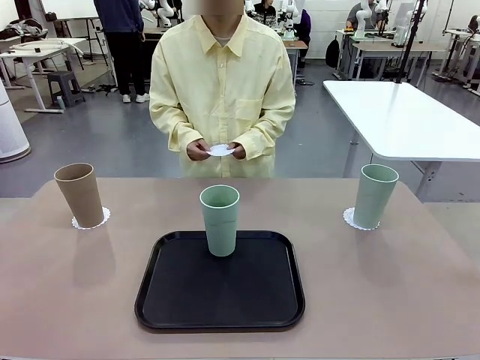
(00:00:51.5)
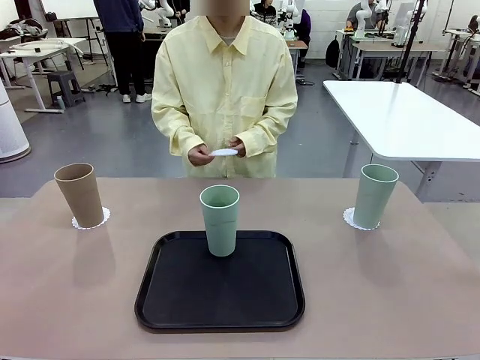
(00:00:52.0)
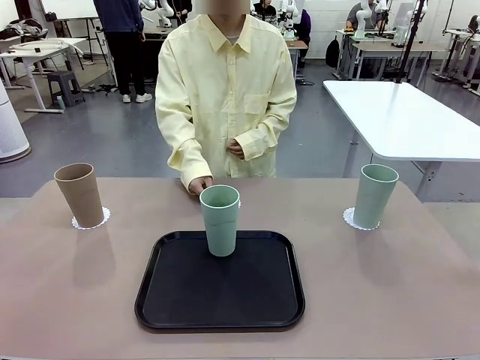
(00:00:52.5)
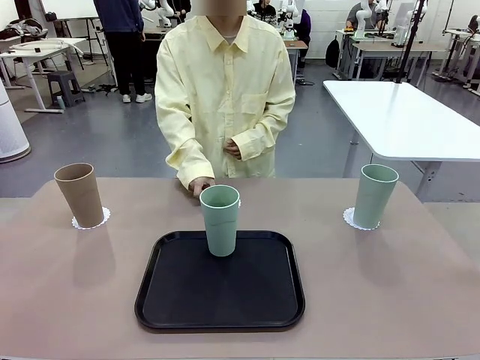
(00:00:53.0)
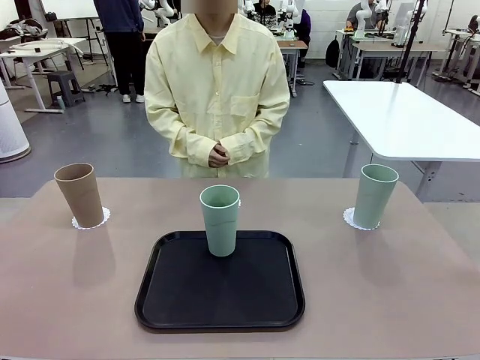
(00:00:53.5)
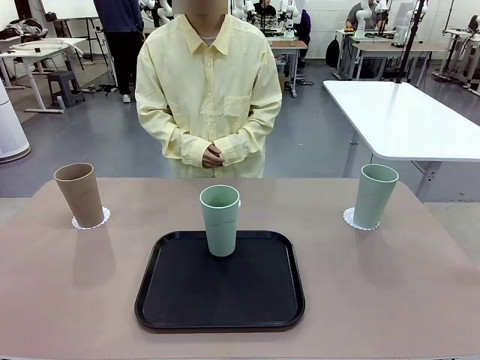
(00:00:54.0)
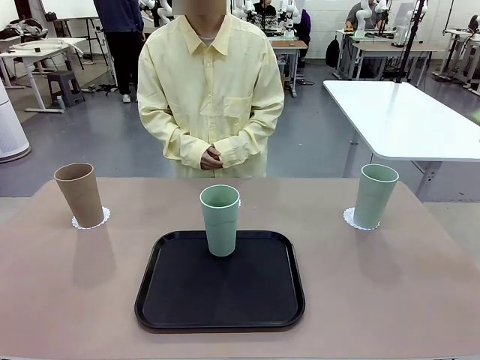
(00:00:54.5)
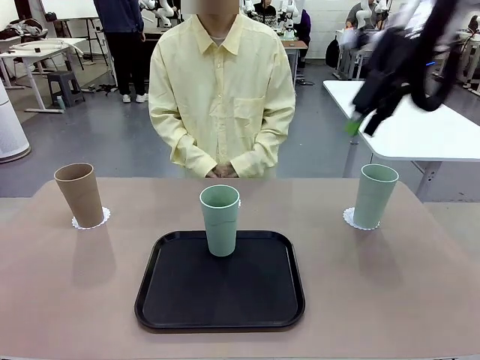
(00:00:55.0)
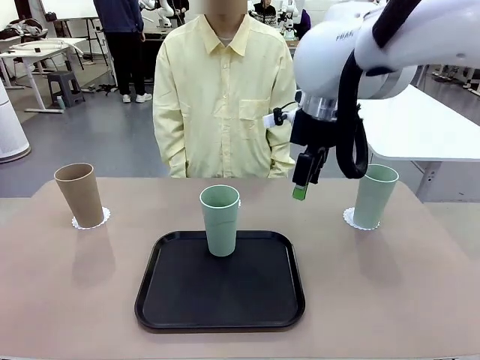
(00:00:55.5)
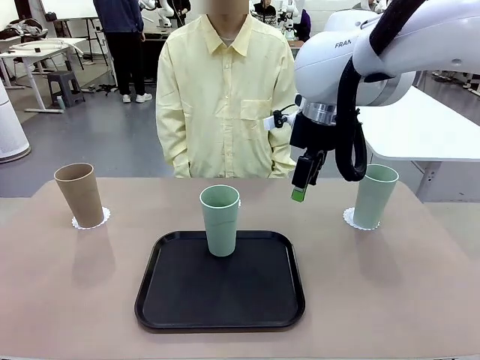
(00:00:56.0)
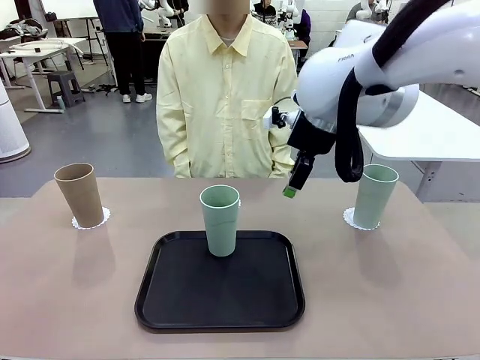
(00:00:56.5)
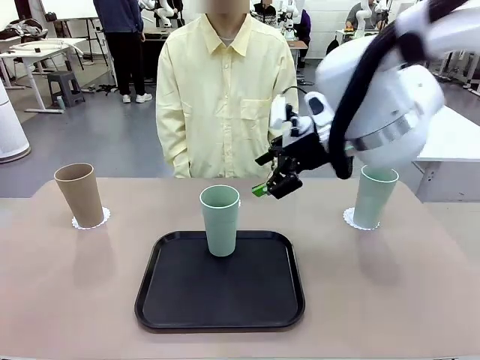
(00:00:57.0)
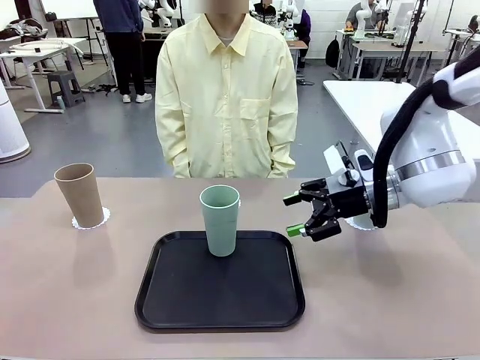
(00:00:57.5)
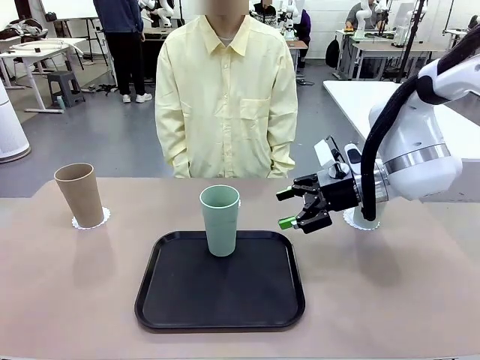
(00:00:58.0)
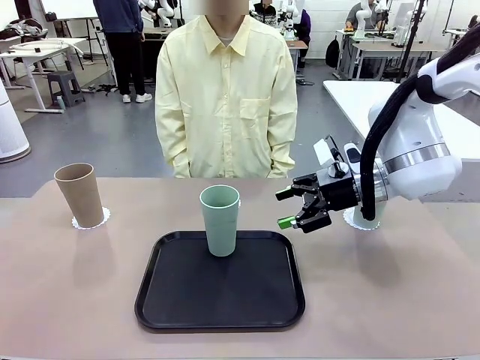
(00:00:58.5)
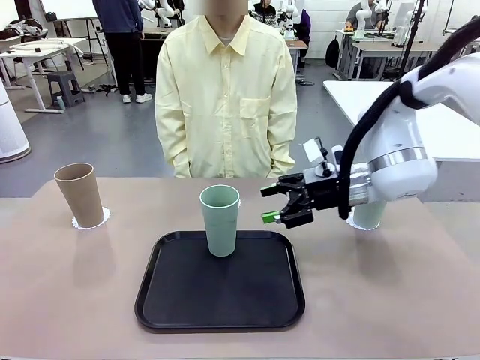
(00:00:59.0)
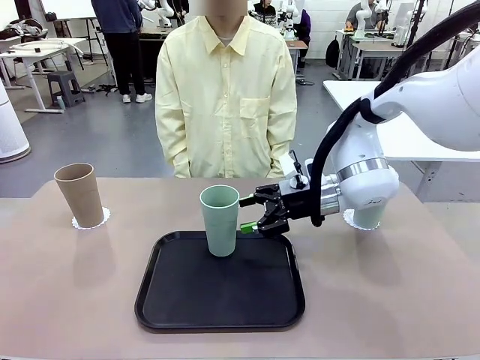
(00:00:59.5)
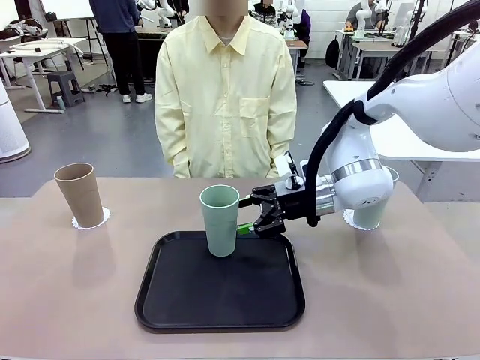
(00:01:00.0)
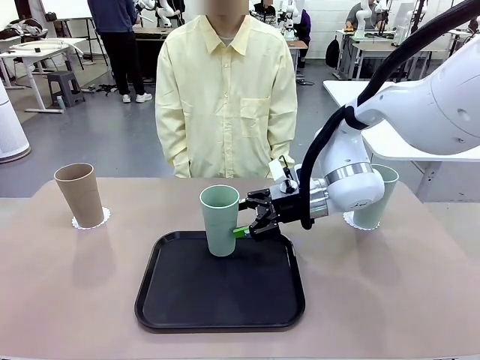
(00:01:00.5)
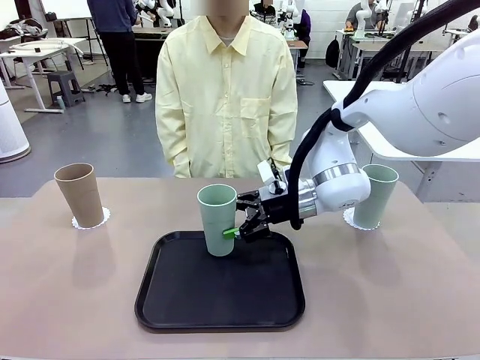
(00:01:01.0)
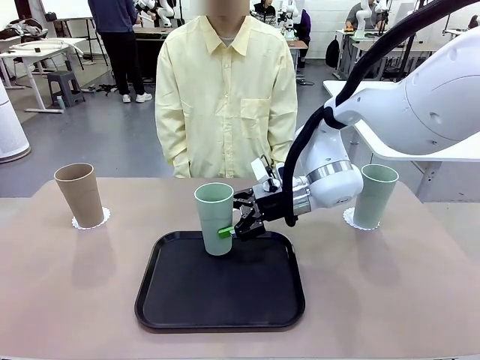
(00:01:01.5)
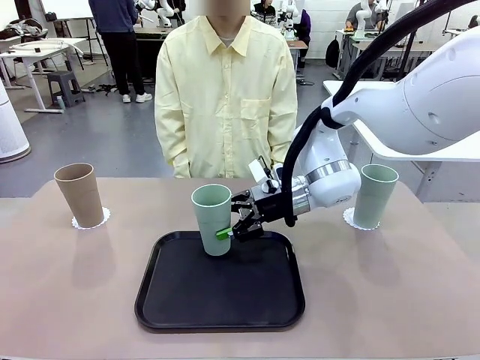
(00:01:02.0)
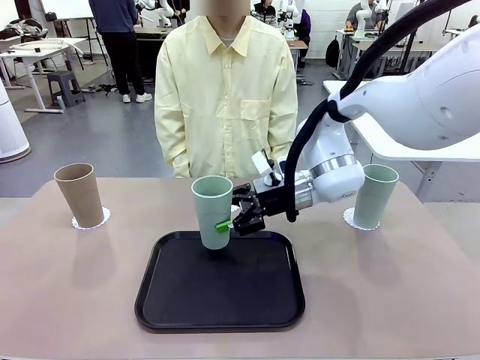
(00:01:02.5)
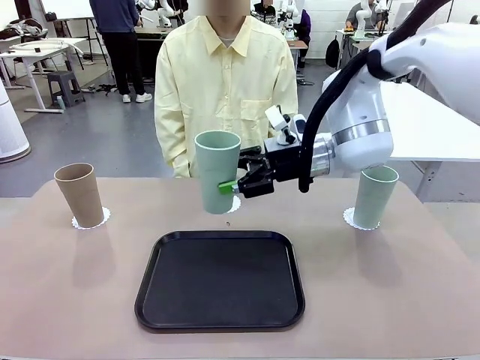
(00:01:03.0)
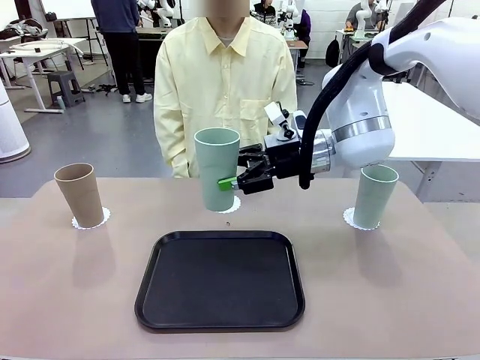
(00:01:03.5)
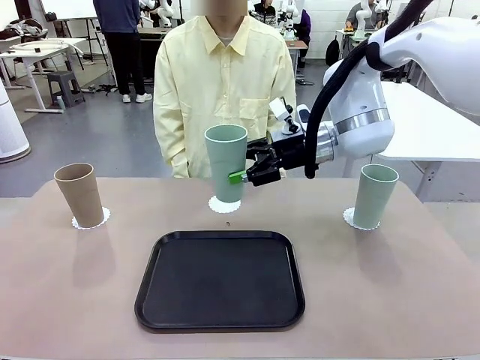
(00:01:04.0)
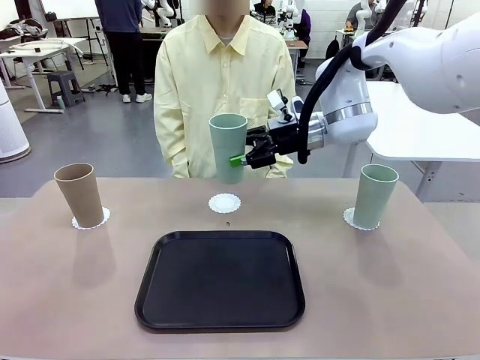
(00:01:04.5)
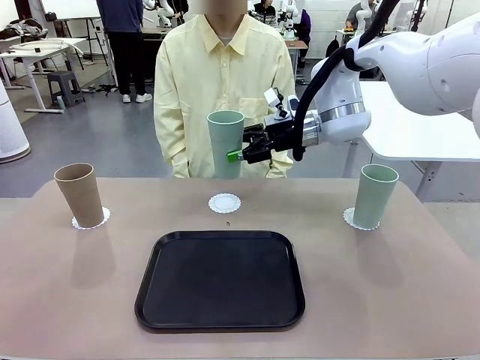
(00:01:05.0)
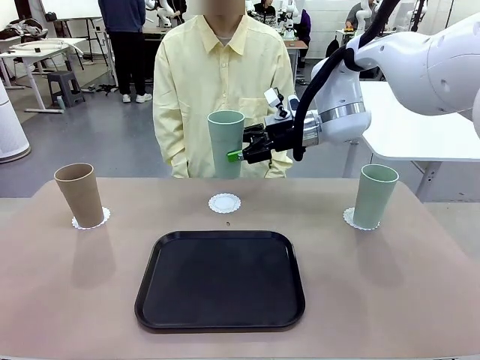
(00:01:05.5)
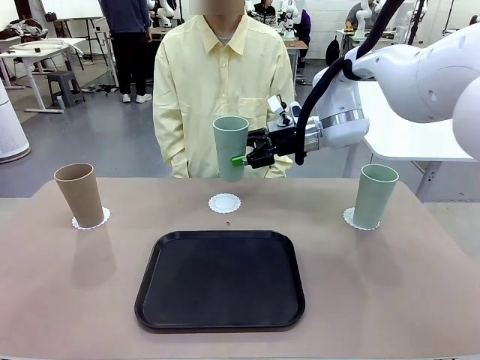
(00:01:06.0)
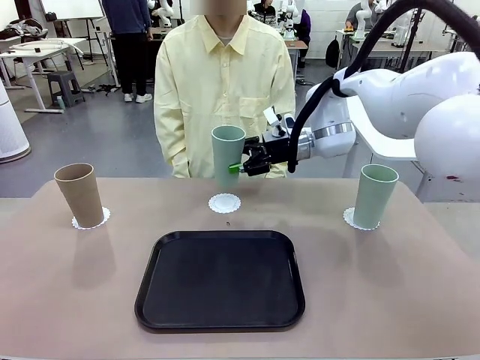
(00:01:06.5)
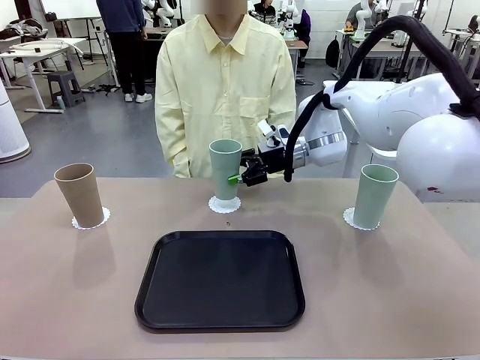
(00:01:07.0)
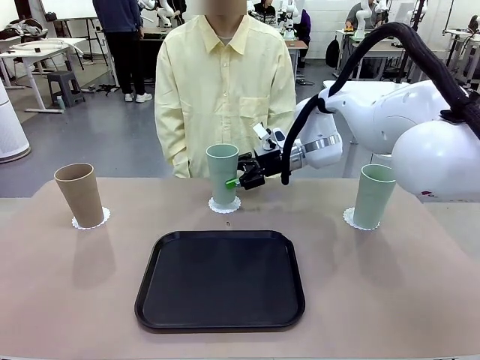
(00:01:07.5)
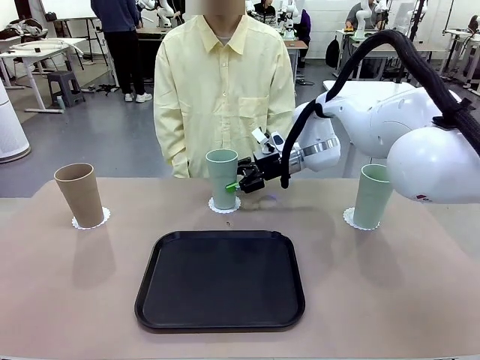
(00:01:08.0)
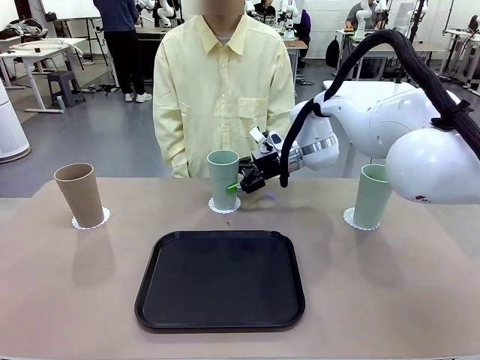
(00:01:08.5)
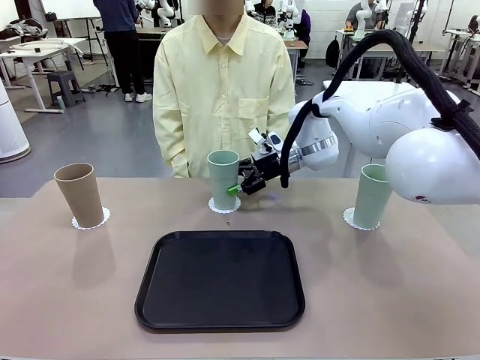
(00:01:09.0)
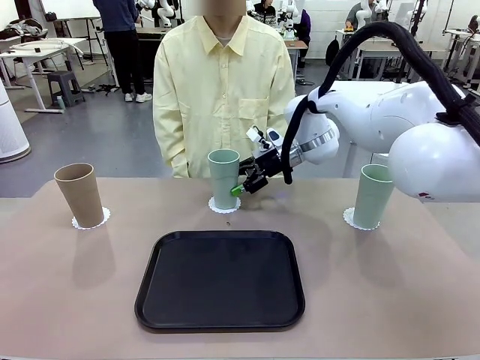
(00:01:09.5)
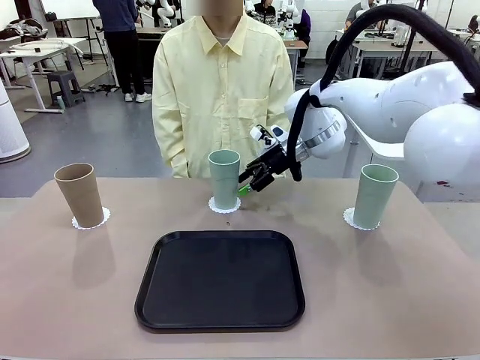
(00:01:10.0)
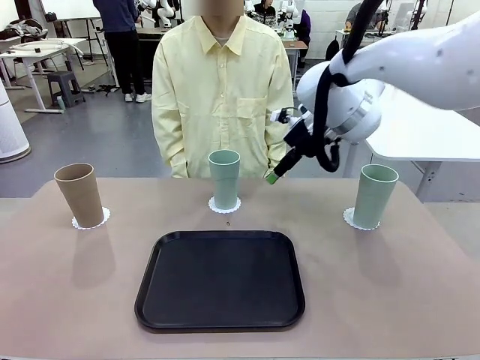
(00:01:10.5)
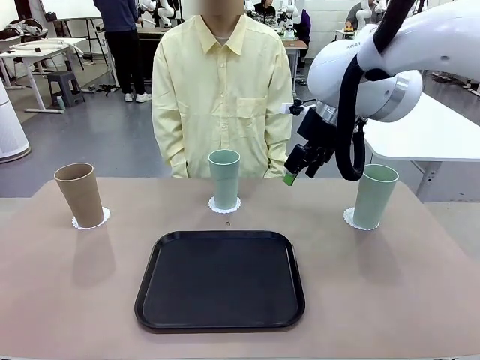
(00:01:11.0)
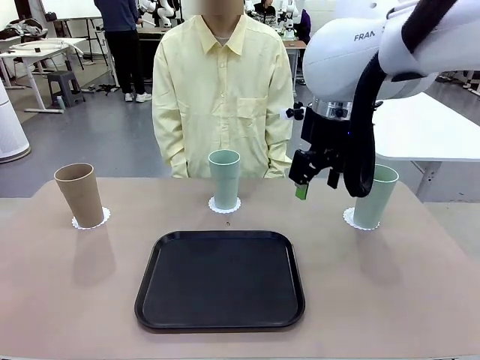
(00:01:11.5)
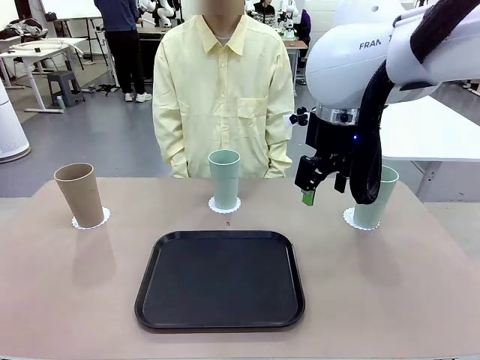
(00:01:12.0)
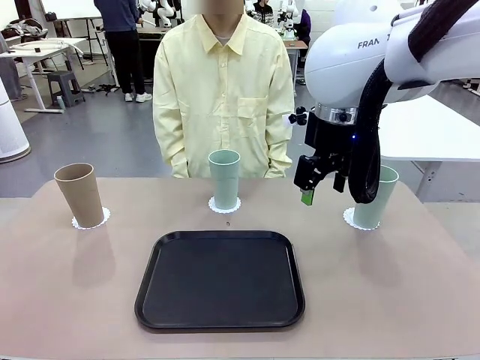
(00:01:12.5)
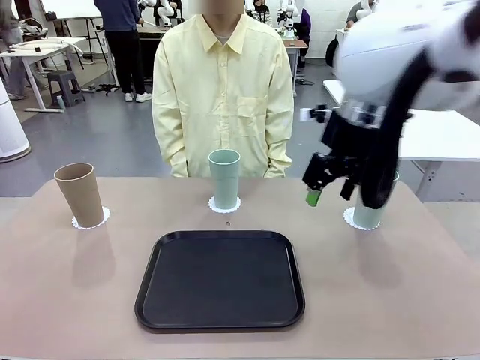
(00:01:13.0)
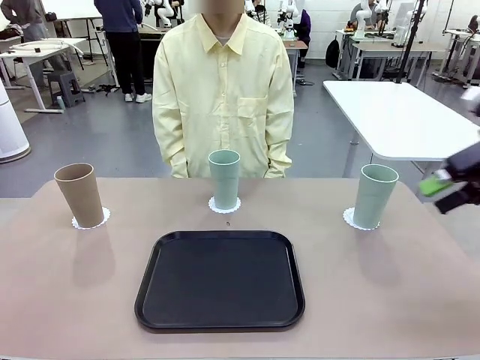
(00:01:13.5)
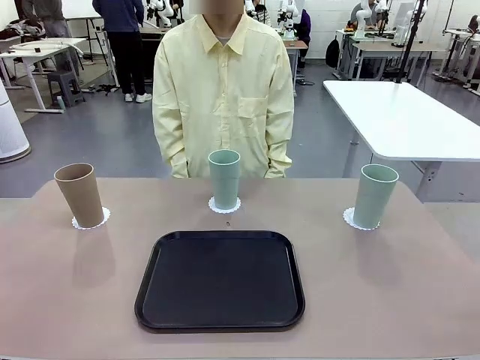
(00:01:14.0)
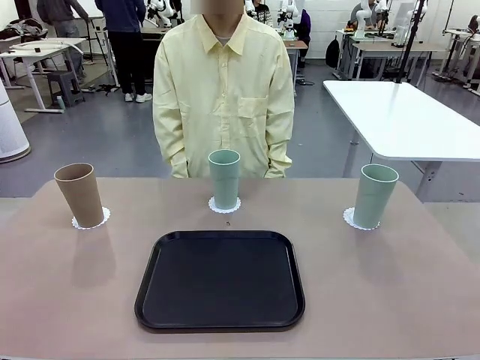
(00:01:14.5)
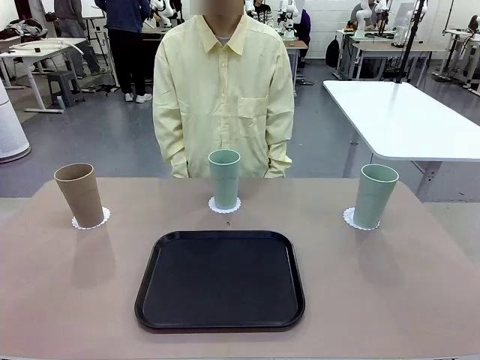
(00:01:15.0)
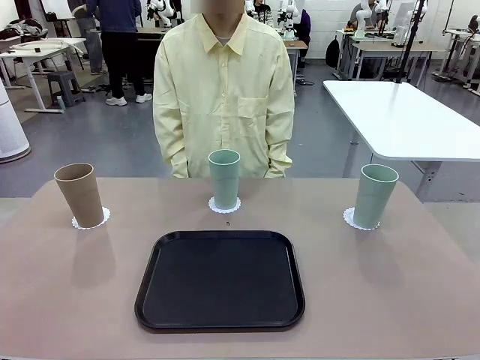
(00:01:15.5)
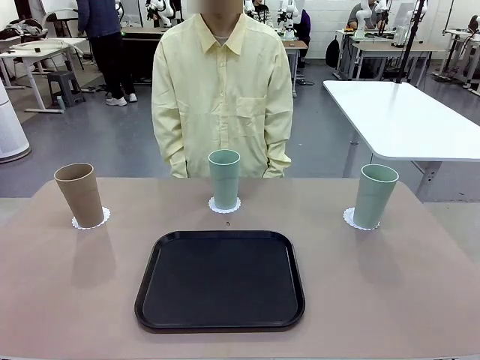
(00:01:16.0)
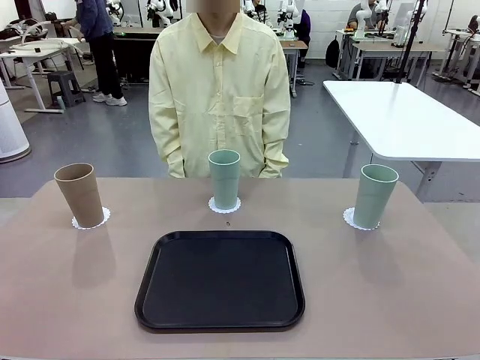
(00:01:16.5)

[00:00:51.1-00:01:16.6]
Task: Place coasters on the table and set cups on them.
Robot: Take one Reusable plastic cup from the Flat Tray and place it on a coaster set by the human.
Person: Place one coaster in the only remaining area.
